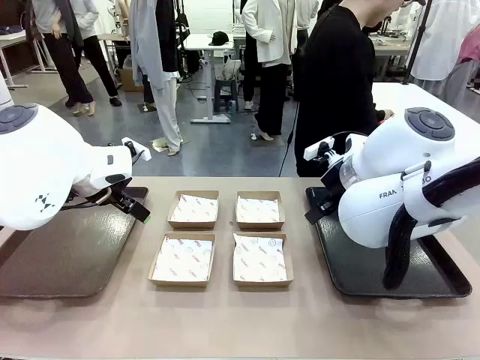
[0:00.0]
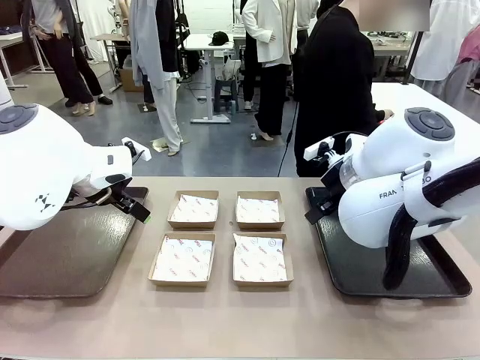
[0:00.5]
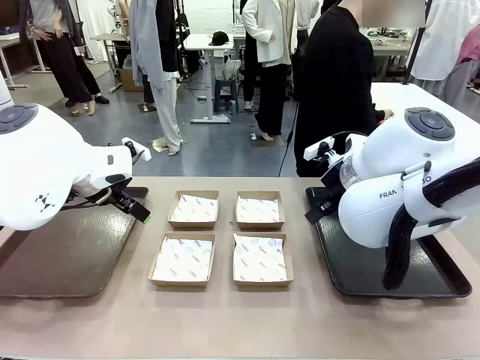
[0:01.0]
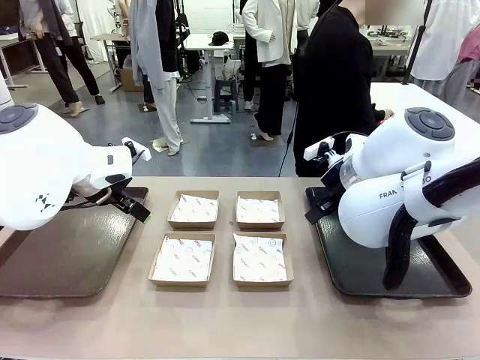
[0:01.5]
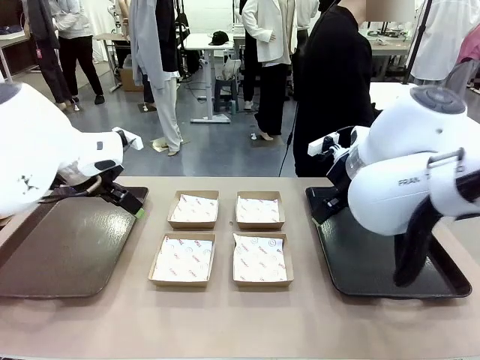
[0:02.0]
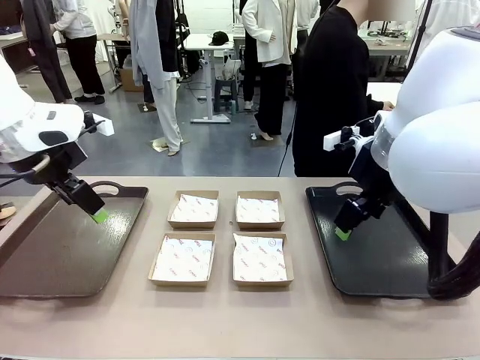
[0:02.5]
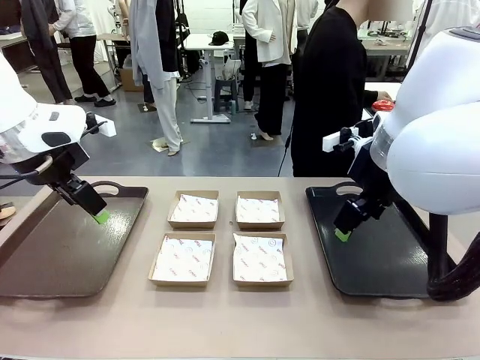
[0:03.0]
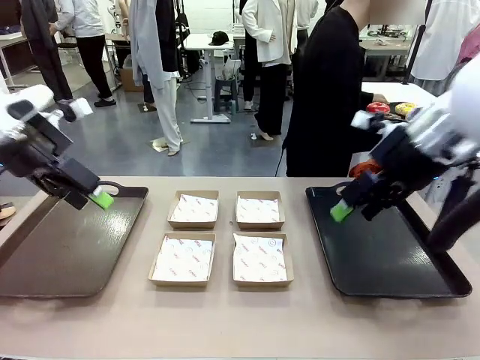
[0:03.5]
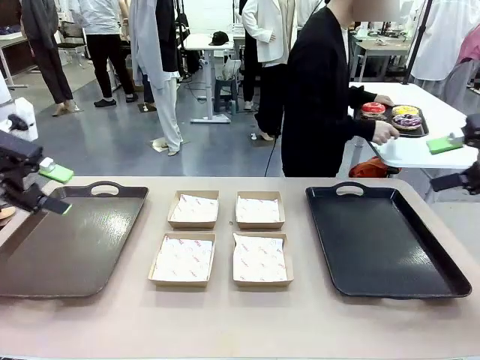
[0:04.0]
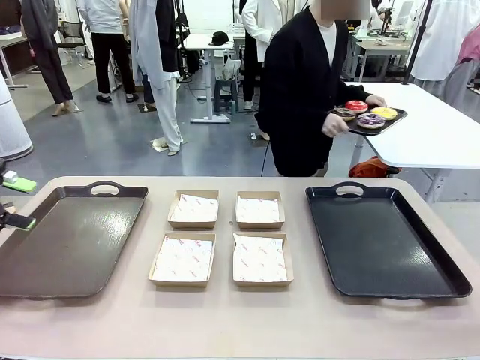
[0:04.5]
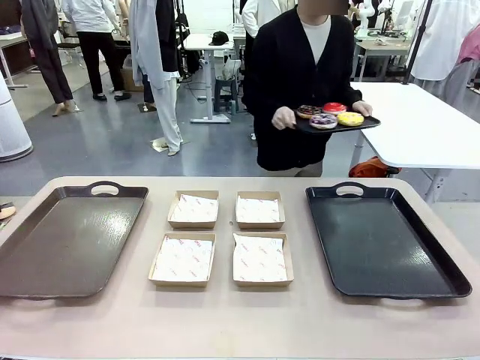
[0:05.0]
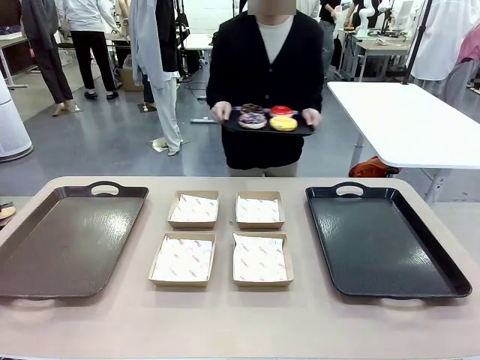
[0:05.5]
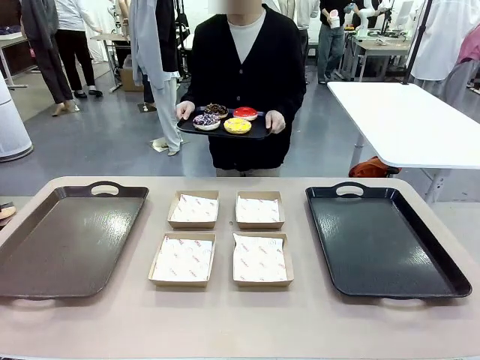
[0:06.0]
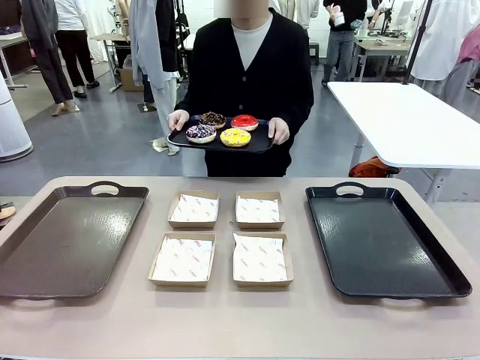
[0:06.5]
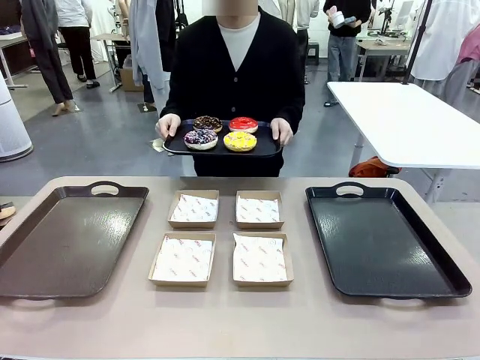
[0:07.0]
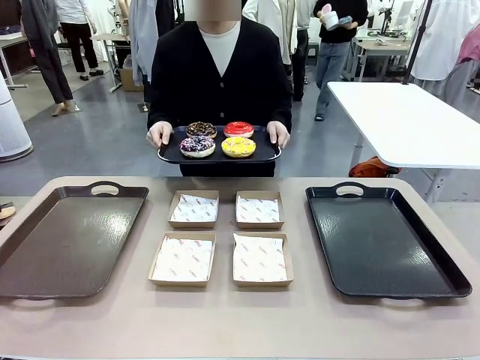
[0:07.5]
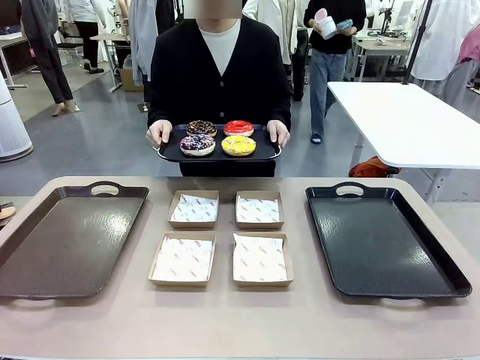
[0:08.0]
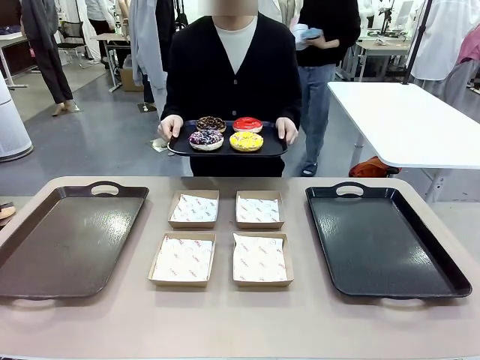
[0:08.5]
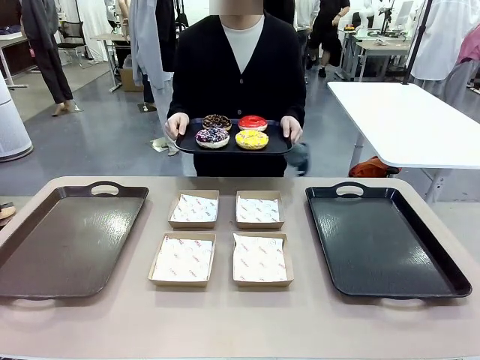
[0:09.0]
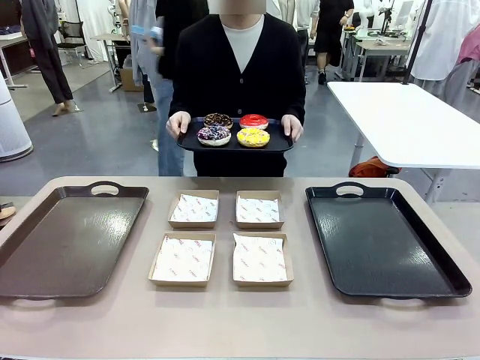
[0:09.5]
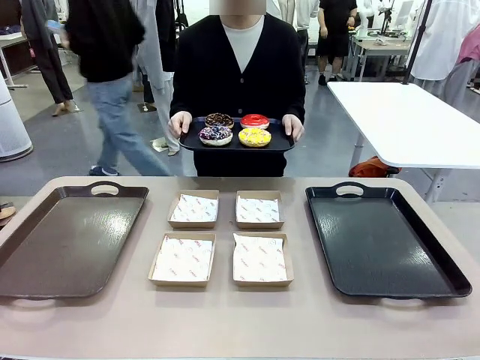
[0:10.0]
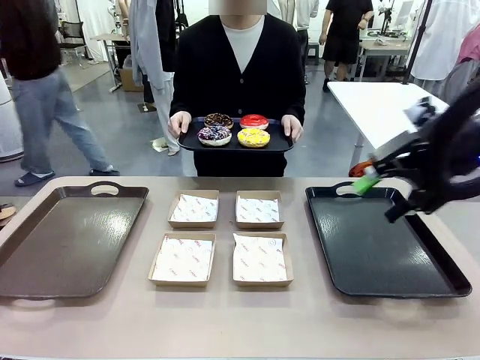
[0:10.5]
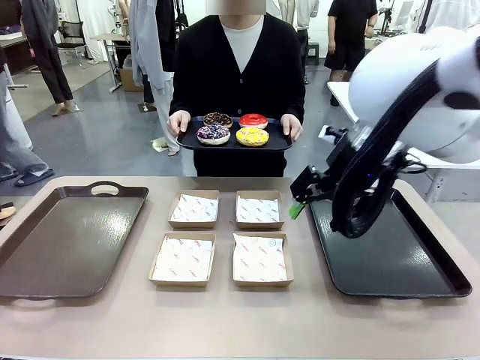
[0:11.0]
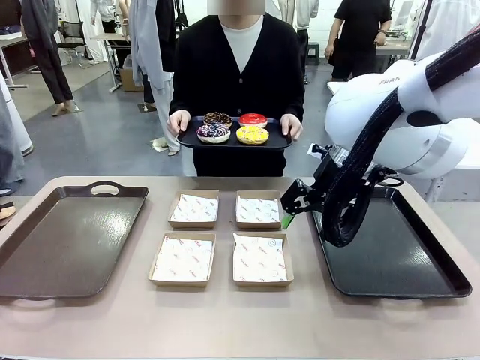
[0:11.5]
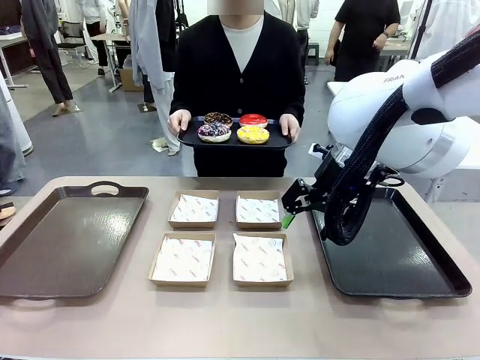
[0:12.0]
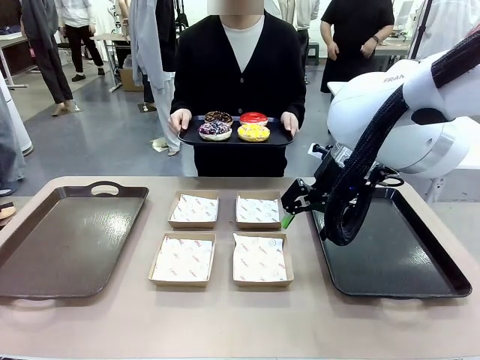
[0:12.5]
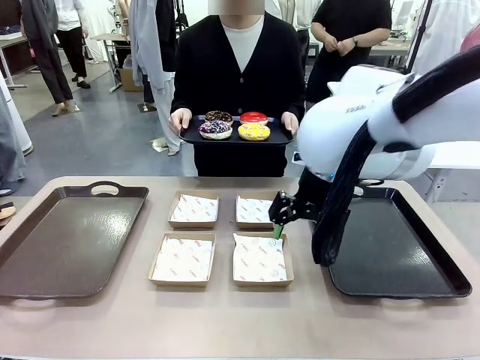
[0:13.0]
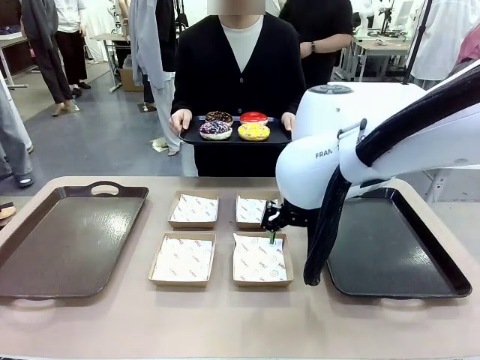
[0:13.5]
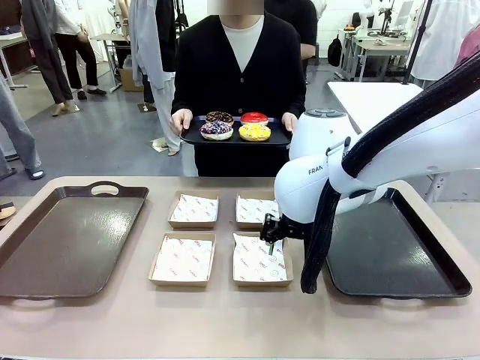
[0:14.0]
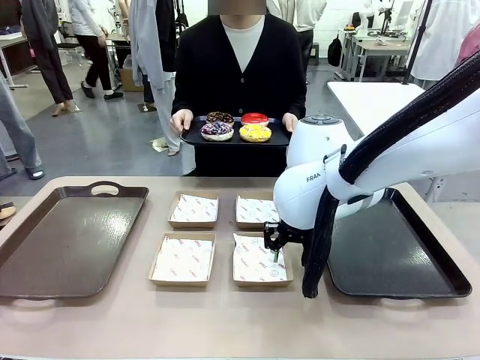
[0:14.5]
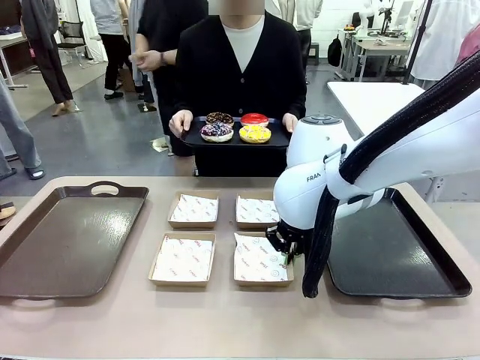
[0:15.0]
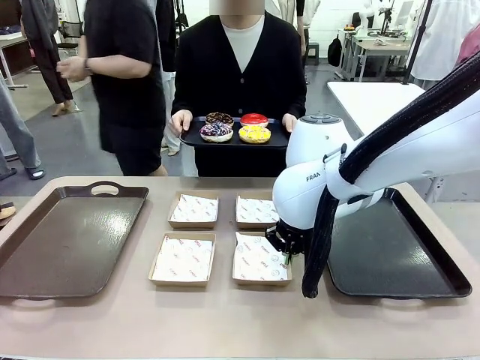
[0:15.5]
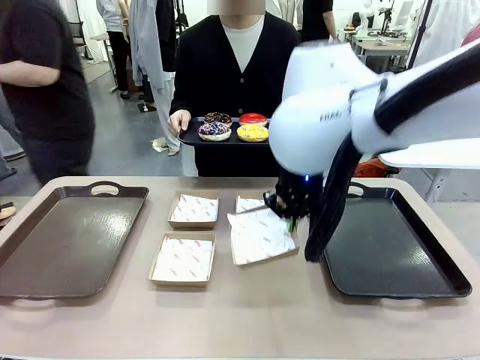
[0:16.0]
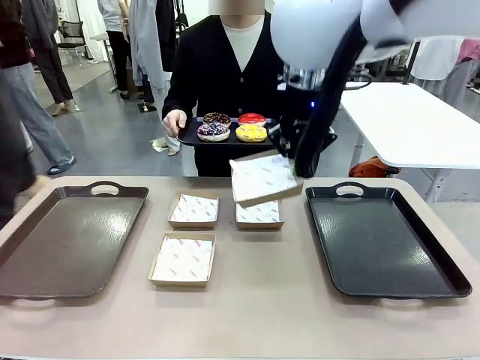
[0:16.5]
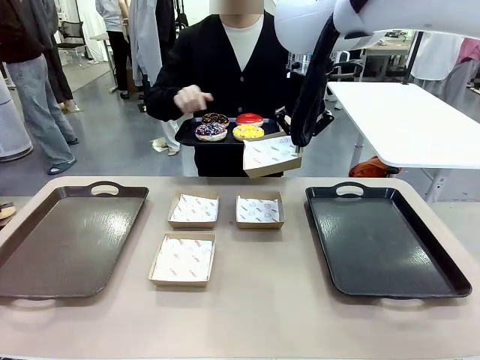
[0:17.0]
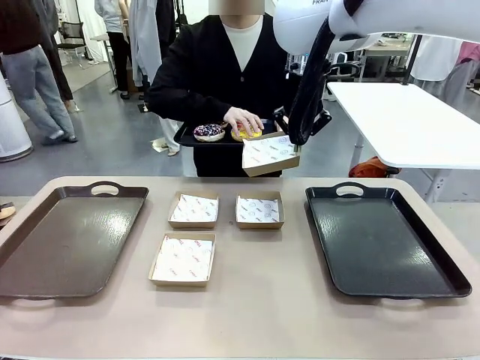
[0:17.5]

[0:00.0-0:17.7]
Task: Individually package the donuts and arrange them on the tray.
Robot: Pick up one Paper togo box.
Person: Stand in front of the robot table holding the tray containing the donuts.

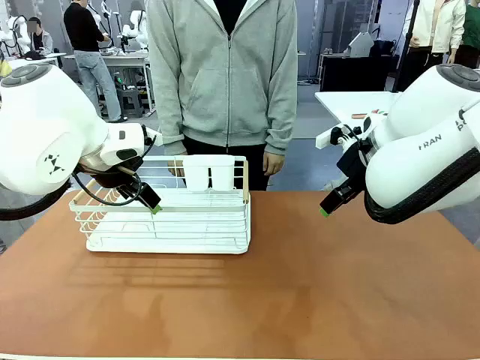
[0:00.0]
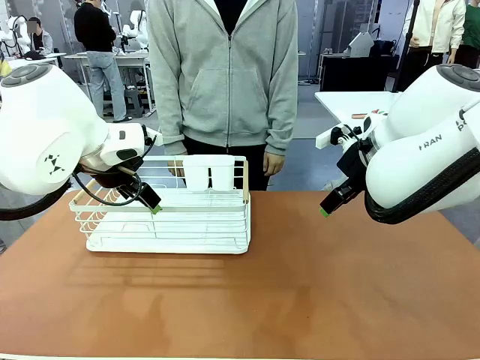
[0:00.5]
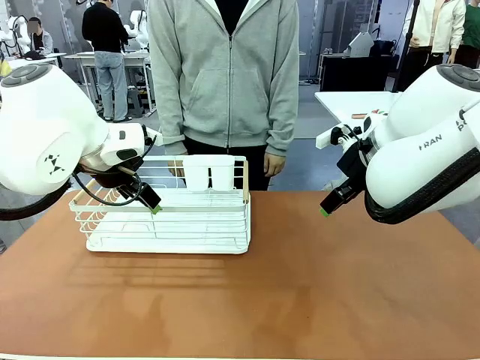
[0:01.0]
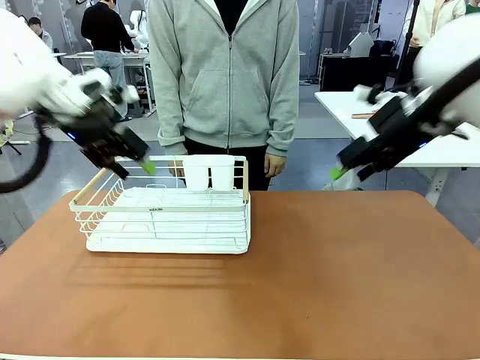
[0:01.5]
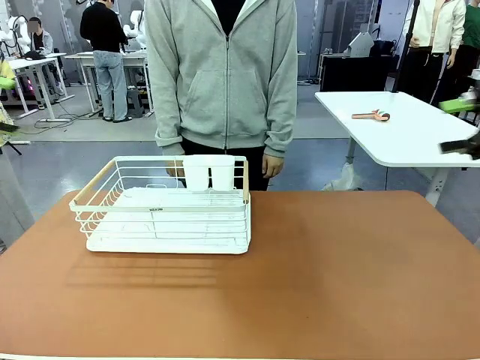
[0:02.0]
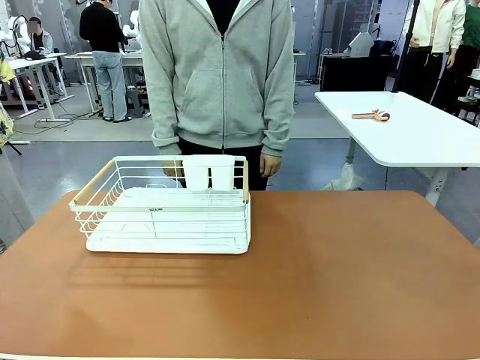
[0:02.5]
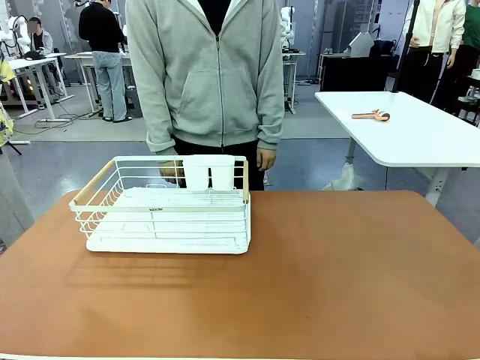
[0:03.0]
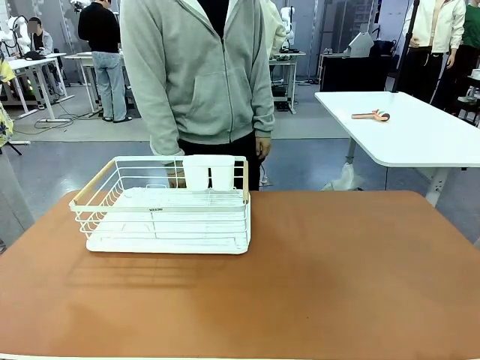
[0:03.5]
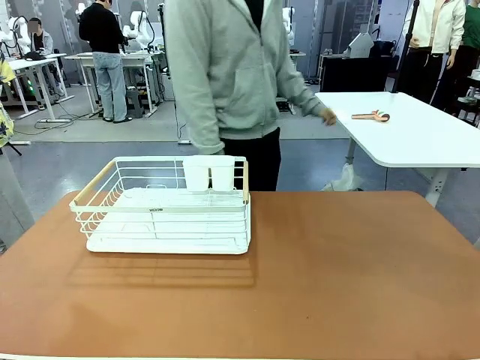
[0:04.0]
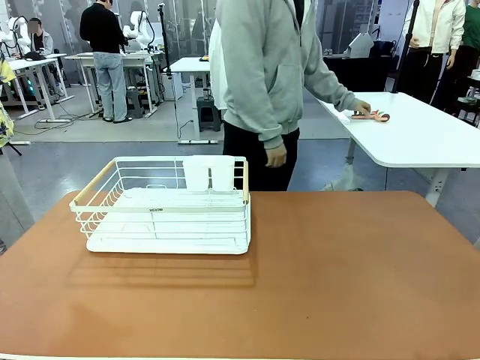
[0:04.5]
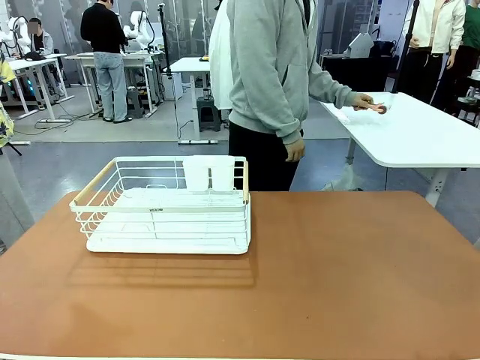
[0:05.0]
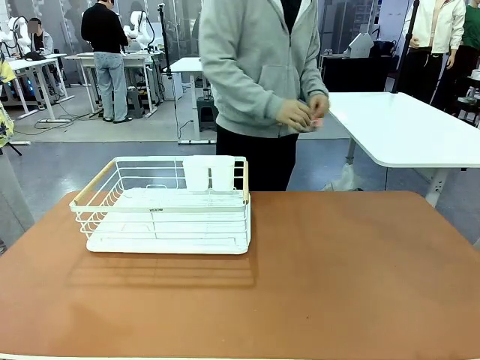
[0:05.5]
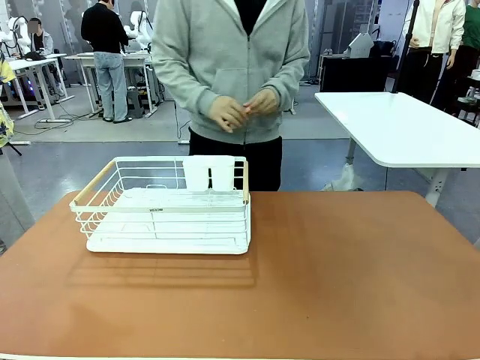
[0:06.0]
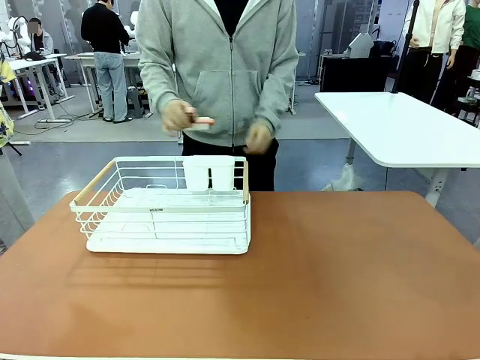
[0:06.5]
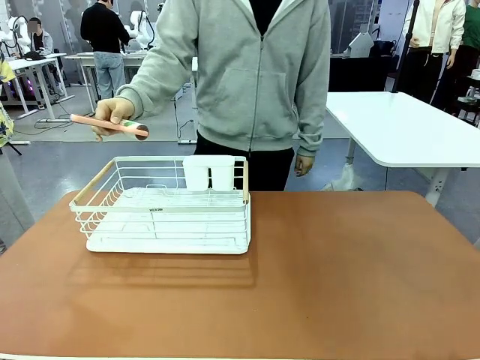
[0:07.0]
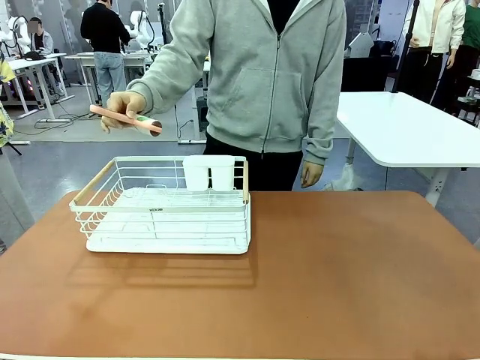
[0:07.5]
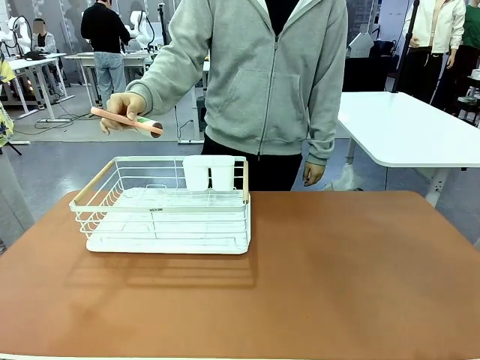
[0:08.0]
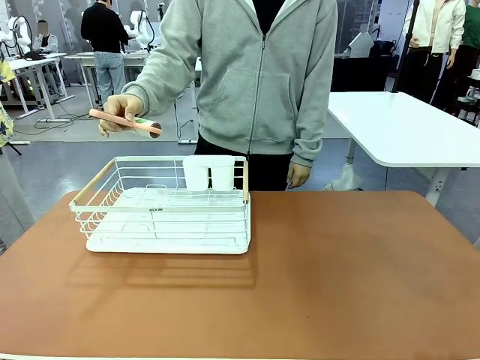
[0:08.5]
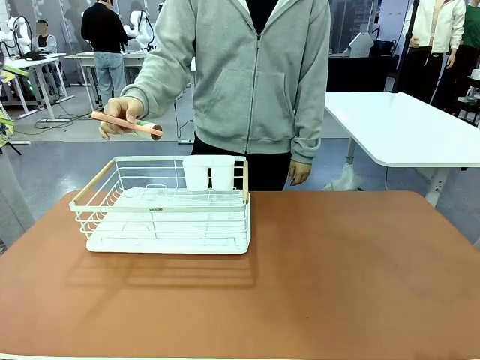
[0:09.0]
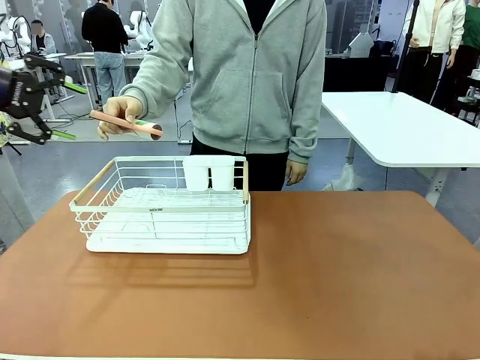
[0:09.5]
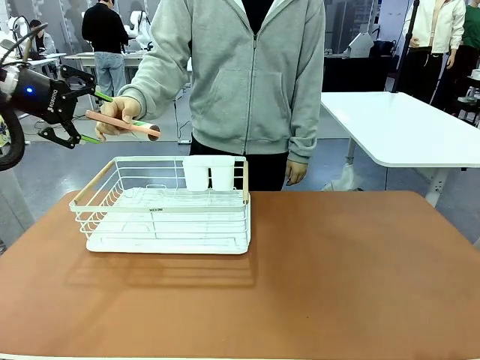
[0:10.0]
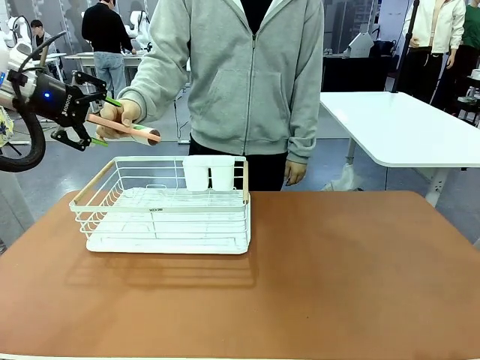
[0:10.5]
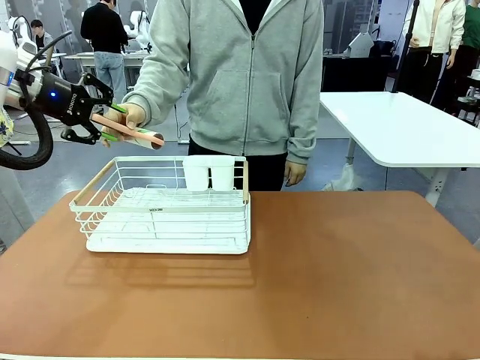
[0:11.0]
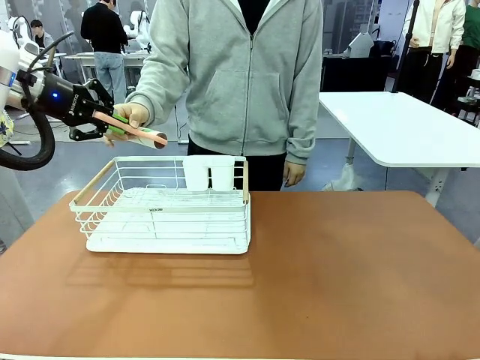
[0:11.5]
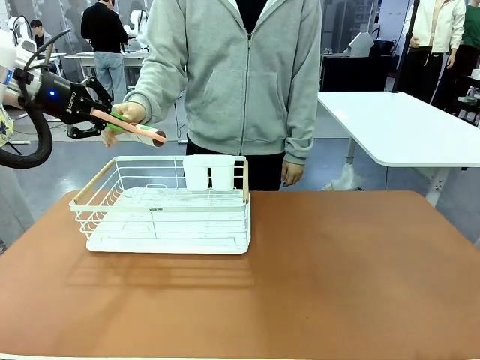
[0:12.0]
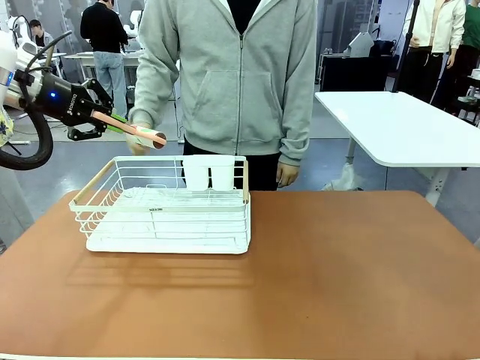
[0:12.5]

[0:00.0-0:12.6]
Task: Clean the table.
Robot: Pick up the Lint Roller when the human hands it over.
Person: Hand the Lint Roller to the robot so it can easily pick it up. Lift the Dish drying rack.
